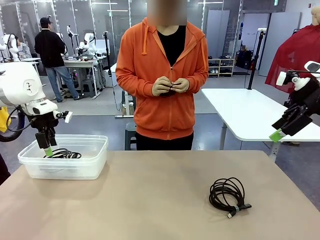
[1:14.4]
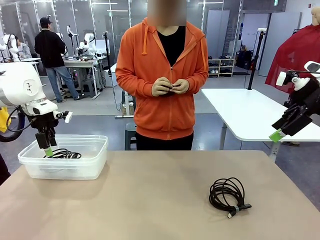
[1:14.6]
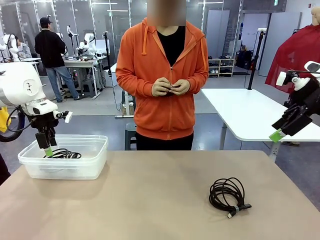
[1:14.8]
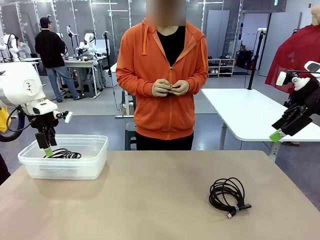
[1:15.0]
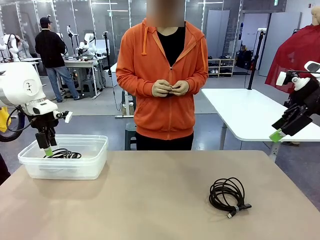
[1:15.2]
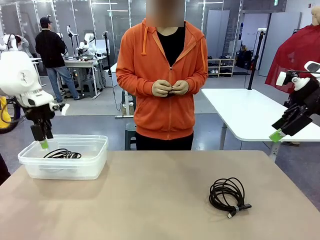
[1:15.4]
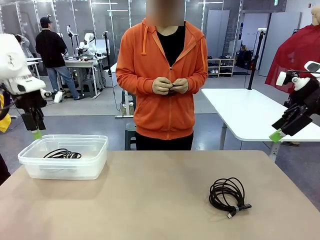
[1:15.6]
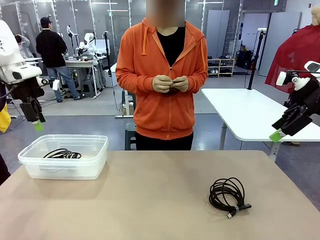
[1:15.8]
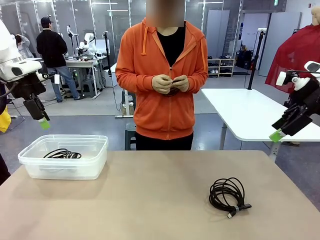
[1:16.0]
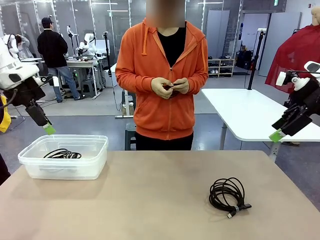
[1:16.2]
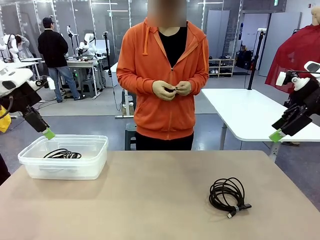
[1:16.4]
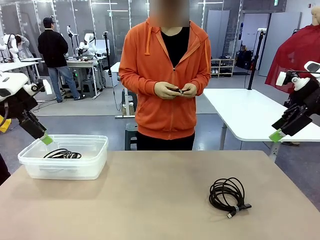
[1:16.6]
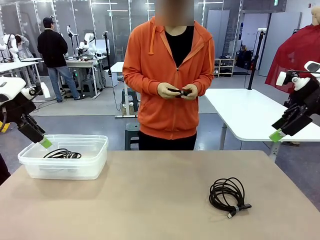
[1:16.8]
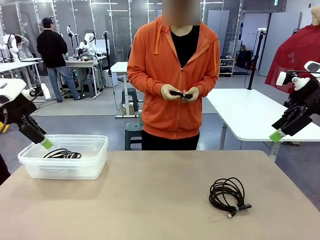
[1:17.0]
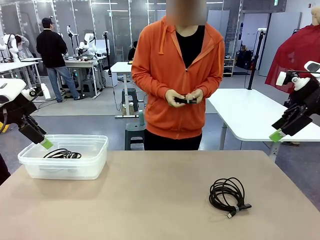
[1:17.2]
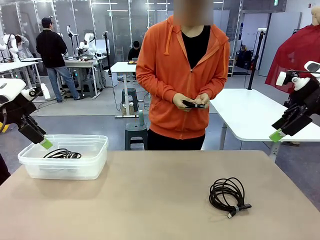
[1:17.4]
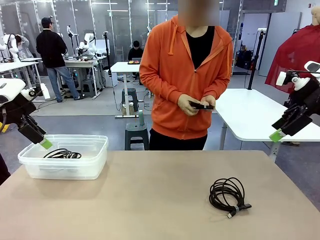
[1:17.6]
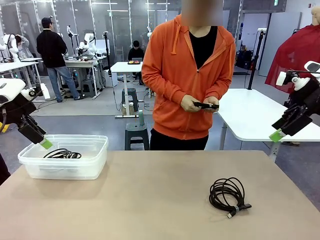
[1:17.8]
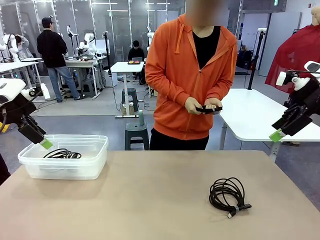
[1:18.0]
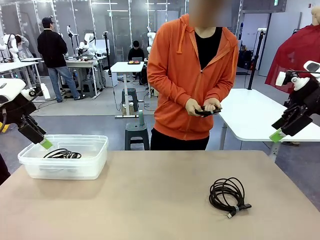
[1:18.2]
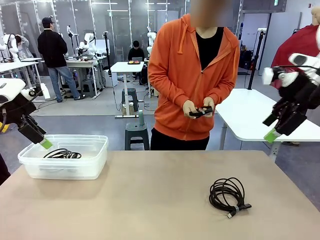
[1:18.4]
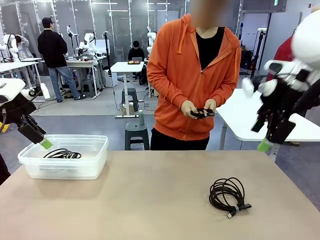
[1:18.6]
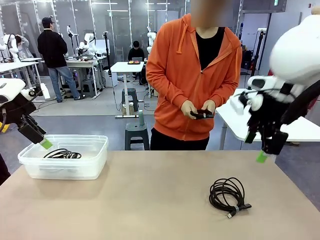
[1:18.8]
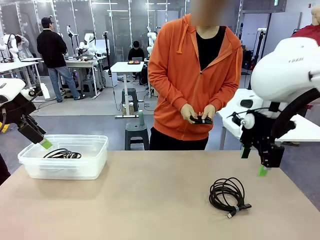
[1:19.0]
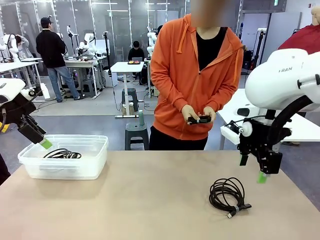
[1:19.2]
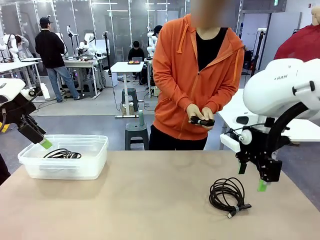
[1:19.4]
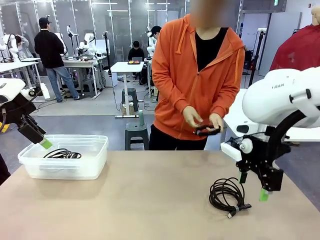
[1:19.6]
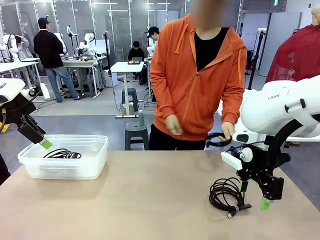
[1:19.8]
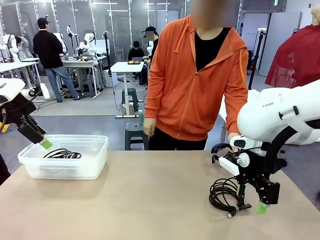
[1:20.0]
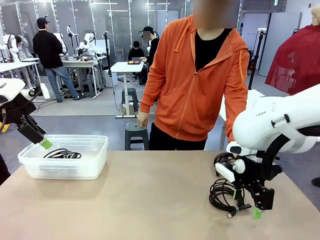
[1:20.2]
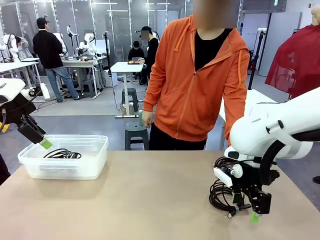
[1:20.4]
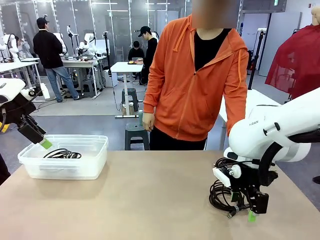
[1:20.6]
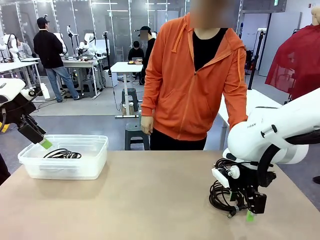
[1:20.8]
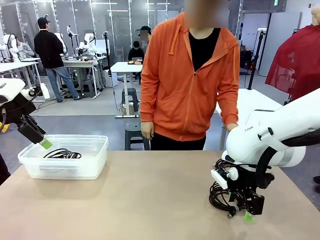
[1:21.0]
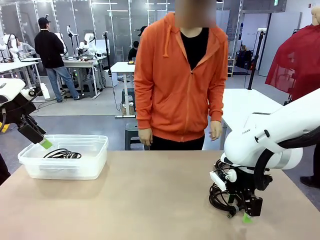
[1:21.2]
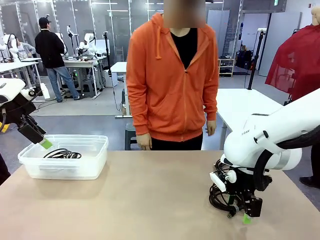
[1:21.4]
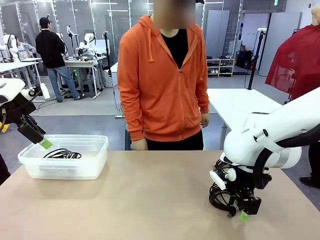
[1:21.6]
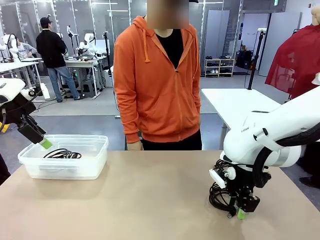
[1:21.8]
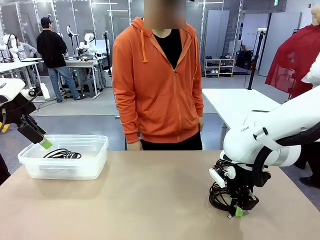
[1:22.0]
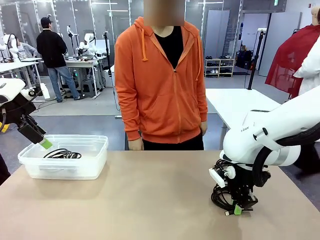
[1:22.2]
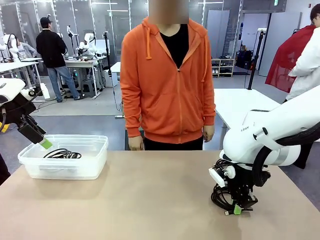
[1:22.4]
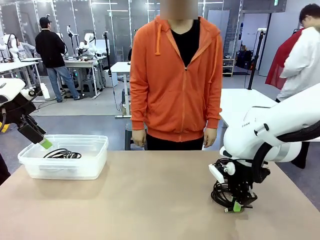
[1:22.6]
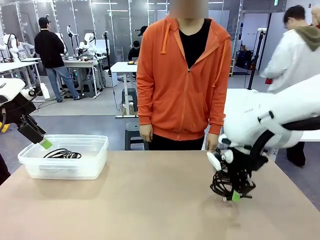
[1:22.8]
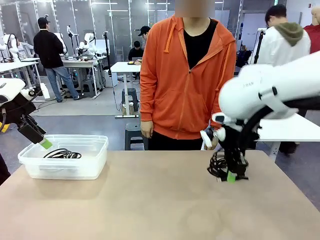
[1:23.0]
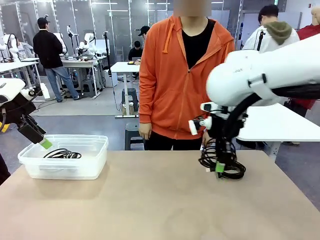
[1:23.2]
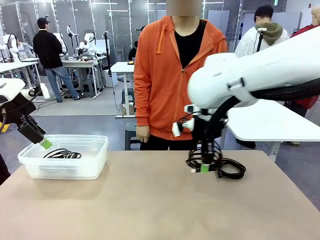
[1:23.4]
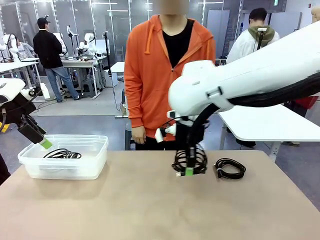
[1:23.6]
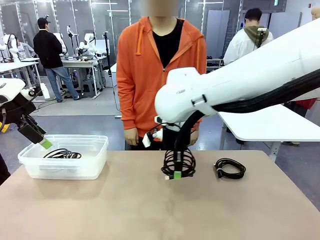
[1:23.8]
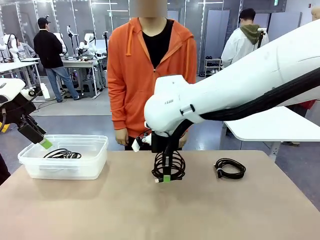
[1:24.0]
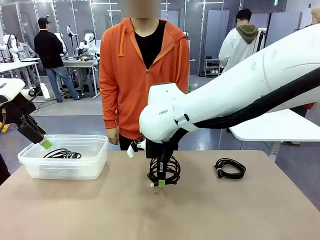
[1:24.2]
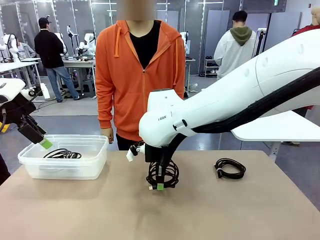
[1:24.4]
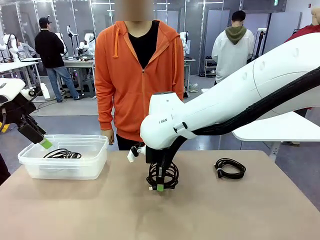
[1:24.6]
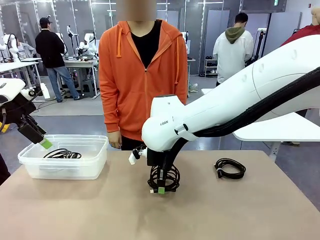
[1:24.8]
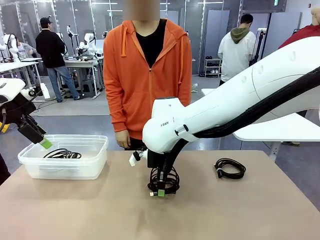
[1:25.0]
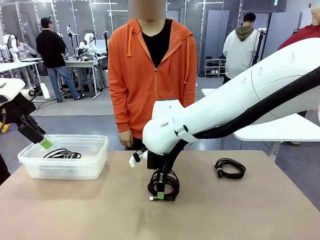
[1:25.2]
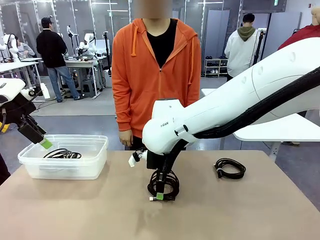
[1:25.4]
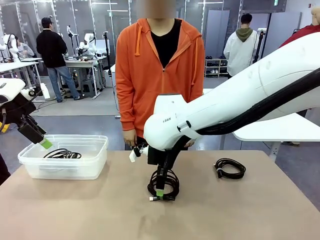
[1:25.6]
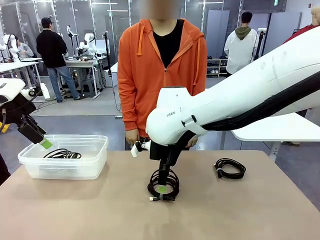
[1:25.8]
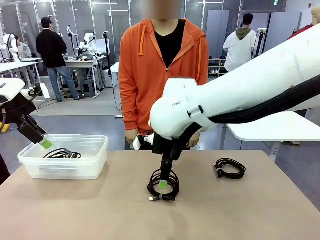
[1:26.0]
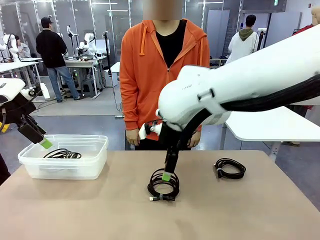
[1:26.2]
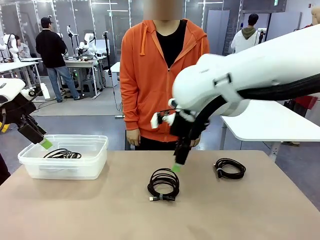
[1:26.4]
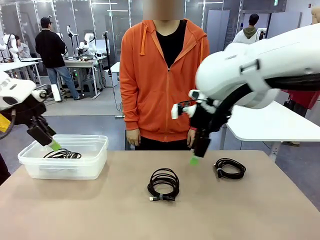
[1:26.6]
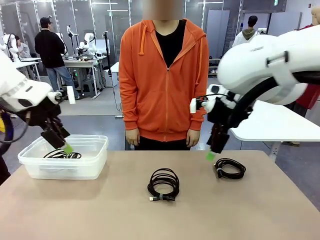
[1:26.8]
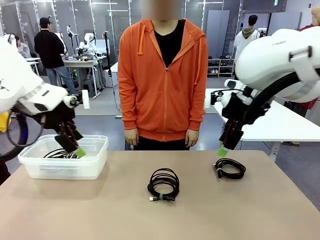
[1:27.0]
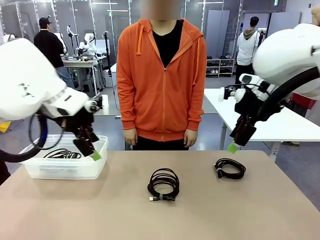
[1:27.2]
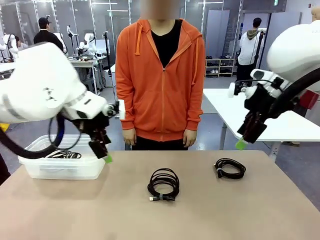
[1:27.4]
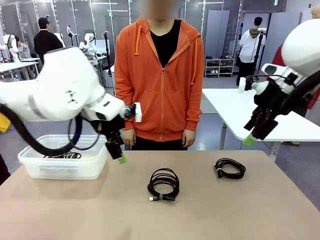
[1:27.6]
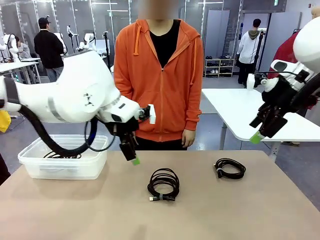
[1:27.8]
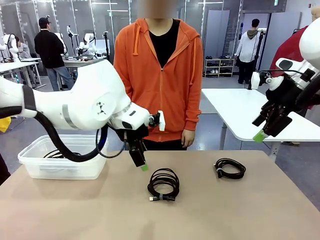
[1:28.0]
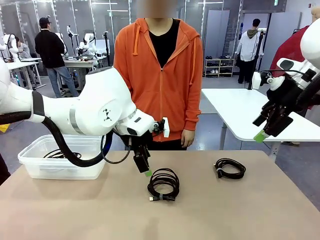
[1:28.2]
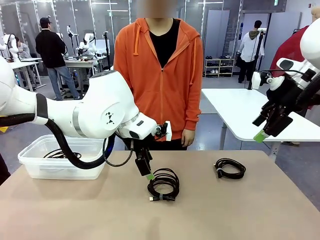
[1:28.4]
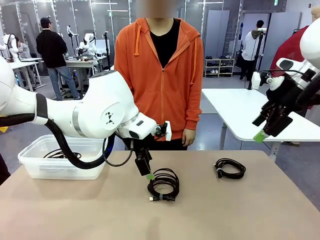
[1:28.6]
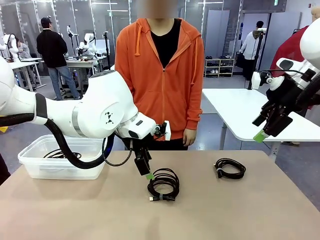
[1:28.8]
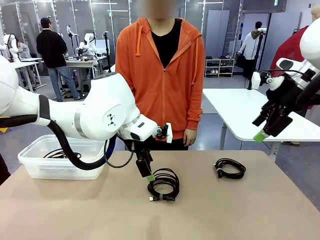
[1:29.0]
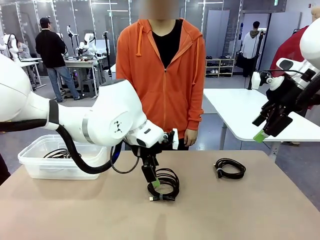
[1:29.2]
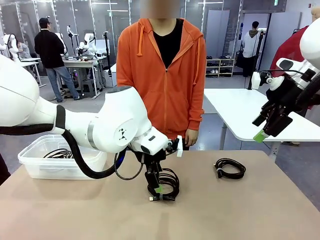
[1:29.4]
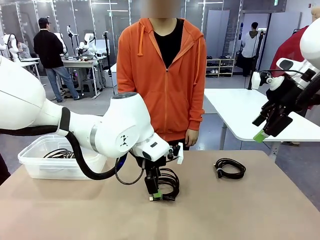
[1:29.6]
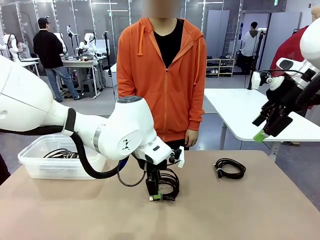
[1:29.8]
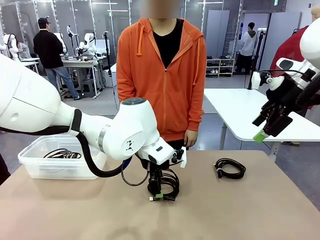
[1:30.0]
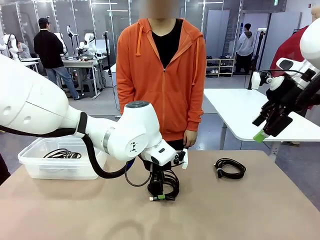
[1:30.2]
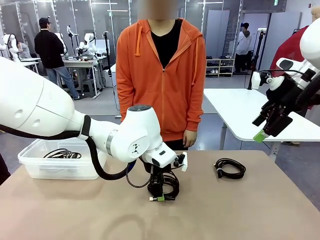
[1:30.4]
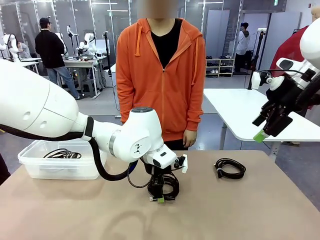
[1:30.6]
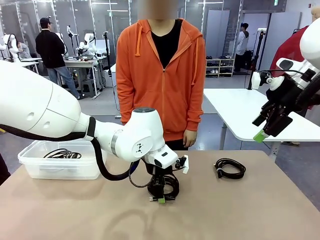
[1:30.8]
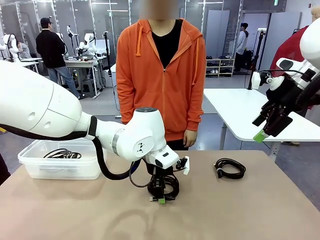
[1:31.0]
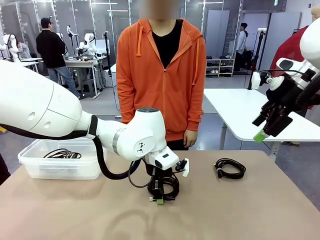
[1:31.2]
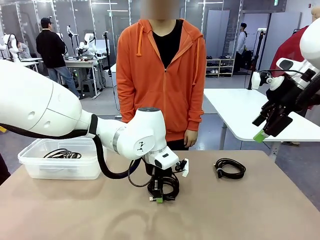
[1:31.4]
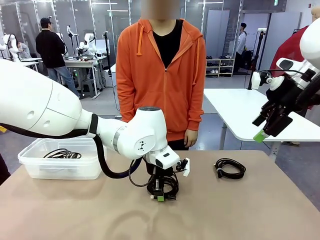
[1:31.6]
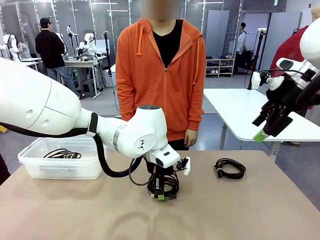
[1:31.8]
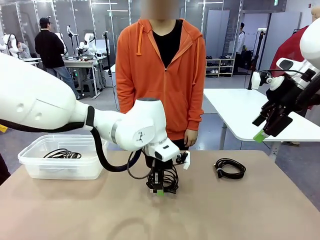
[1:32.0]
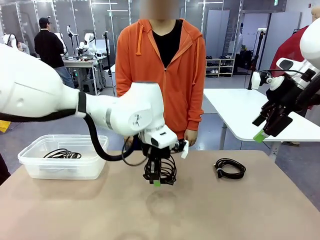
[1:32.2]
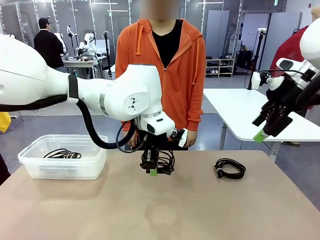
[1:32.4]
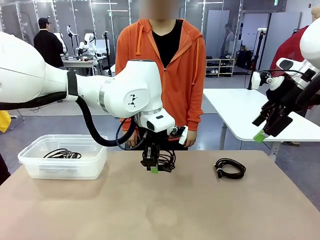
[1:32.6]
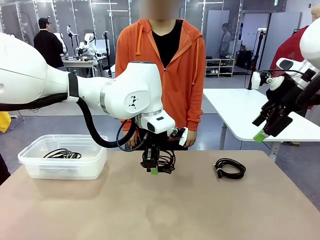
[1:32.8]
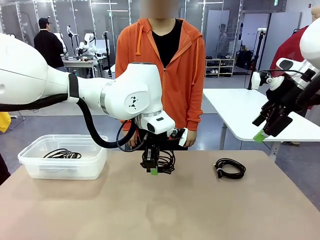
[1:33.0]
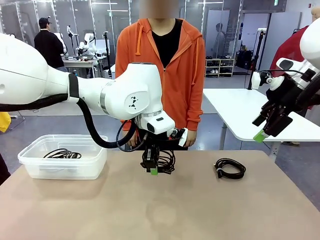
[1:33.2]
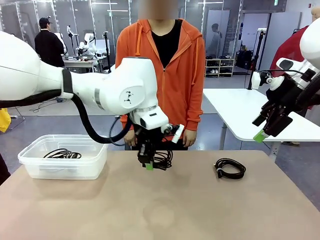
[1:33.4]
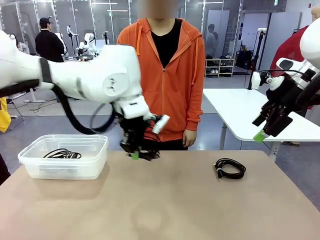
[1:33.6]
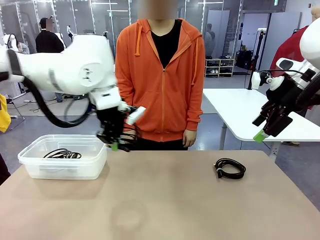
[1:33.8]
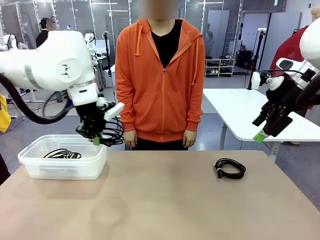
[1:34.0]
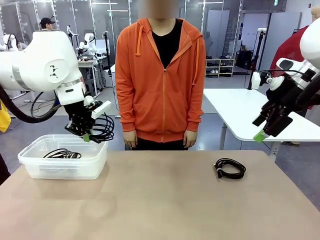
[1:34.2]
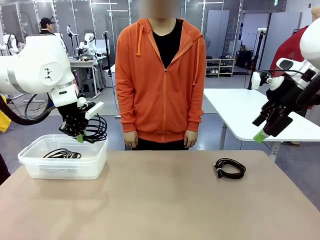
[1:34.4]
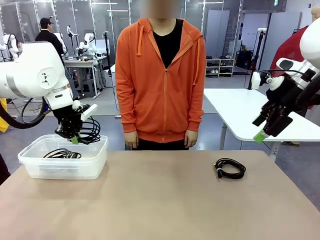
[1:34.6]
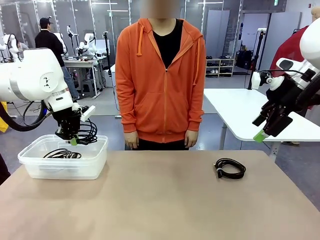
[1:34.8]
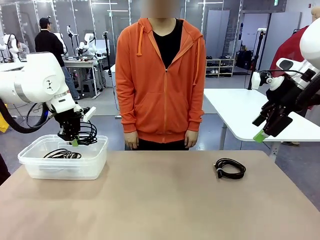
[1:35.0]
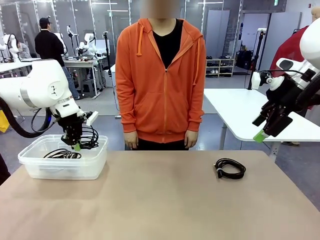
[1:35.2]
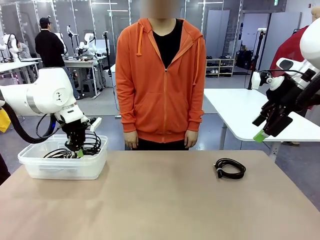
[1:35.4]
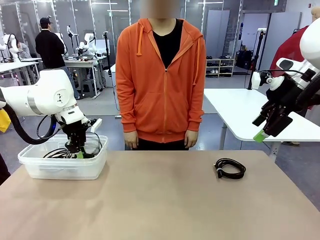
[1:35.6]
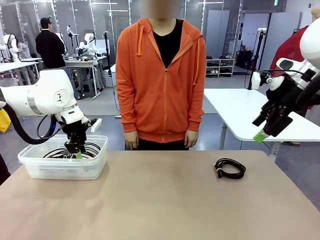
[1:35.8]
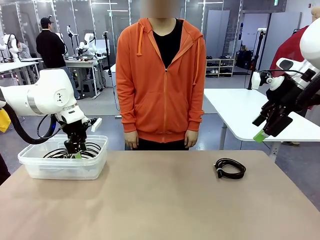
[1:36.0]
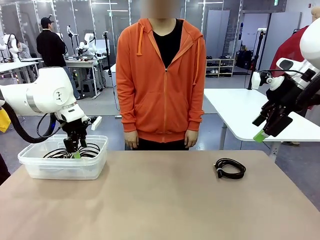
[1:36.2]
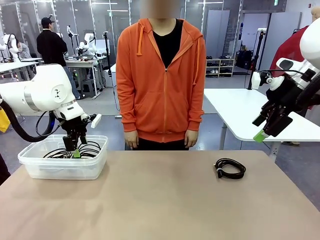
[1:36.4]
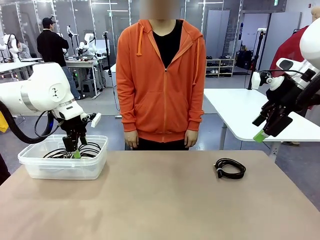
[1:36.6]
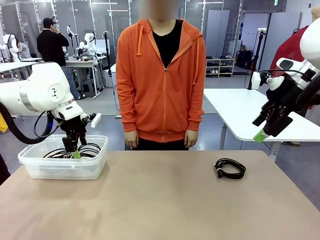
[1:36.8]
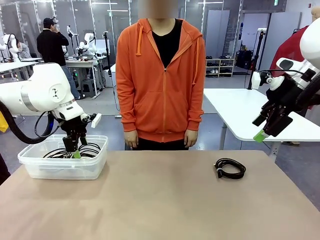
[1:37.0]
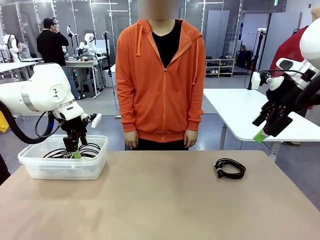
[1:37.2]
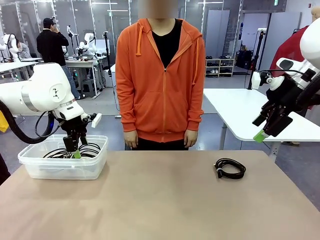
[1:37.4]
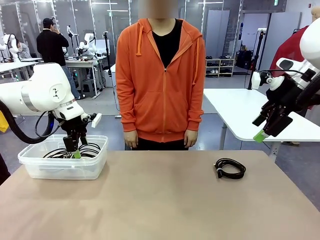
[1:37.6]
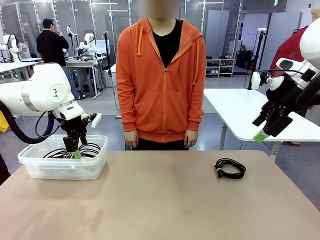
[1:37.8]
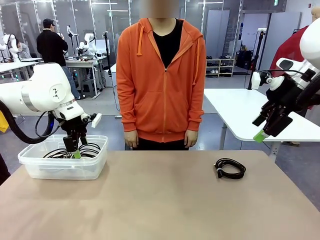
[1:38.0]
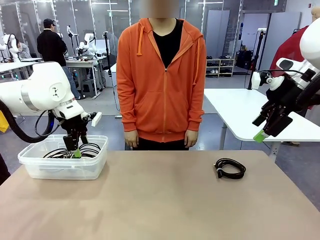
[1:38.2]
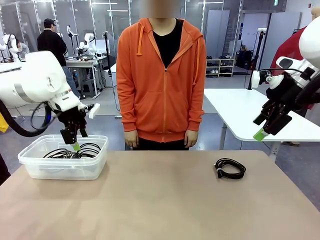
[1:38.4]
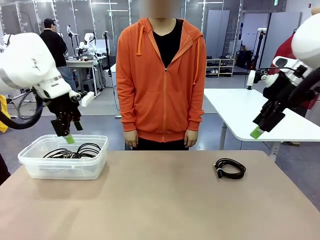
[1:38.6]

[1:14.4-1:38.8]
Task: Organize and store the cables.
Robot: Place the USB Extension Cable into the Organizing box.
